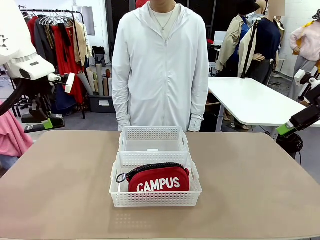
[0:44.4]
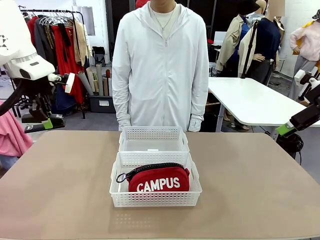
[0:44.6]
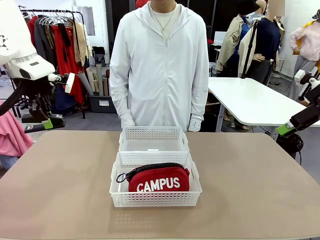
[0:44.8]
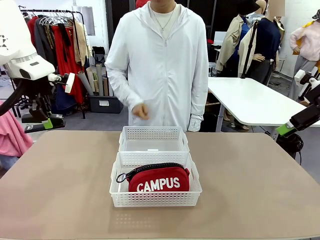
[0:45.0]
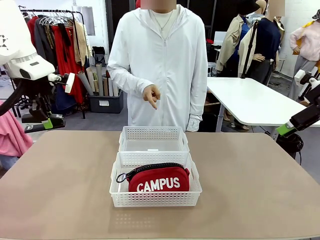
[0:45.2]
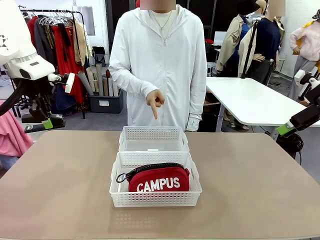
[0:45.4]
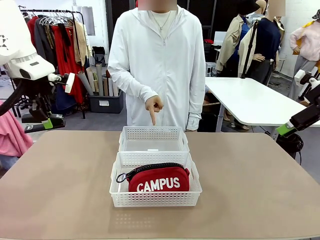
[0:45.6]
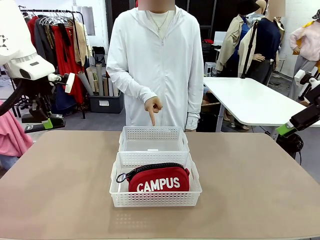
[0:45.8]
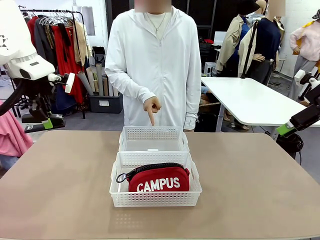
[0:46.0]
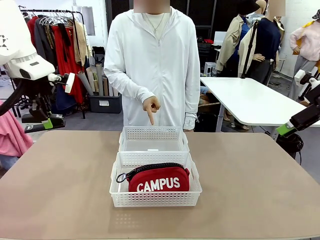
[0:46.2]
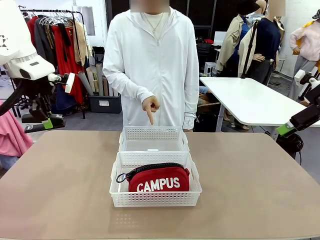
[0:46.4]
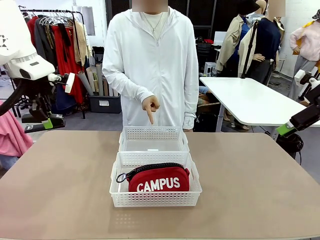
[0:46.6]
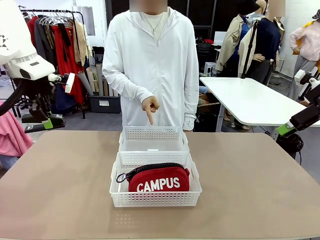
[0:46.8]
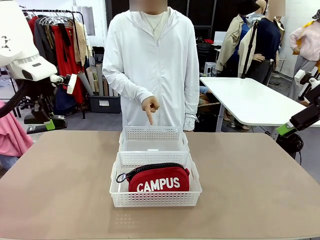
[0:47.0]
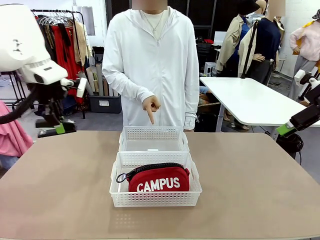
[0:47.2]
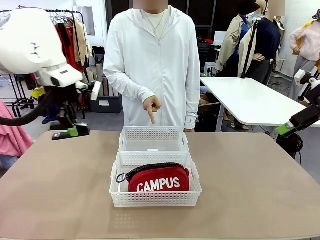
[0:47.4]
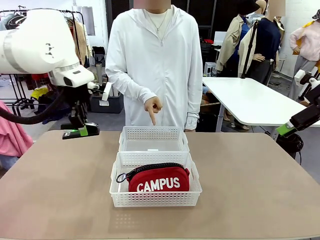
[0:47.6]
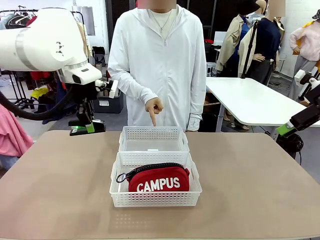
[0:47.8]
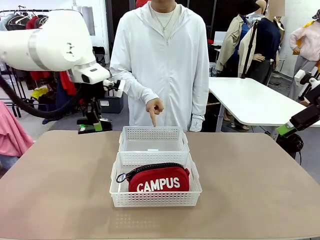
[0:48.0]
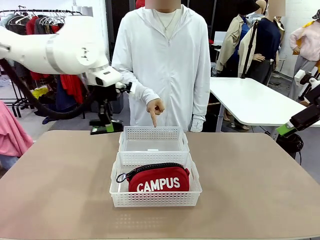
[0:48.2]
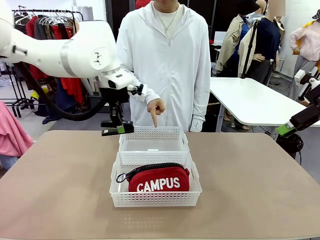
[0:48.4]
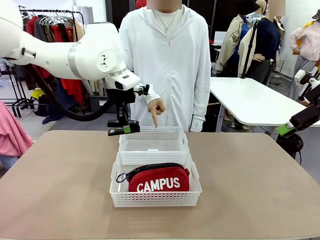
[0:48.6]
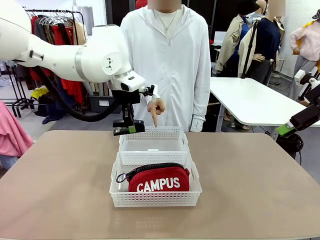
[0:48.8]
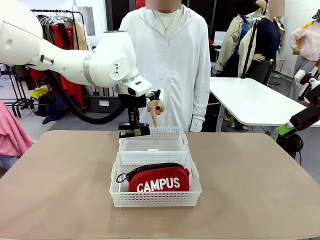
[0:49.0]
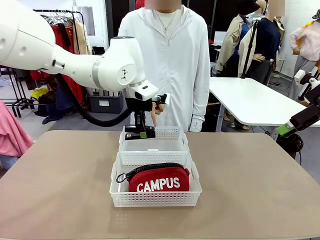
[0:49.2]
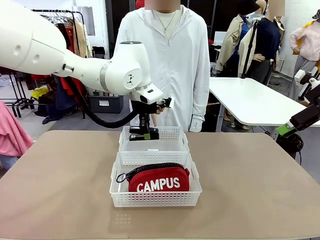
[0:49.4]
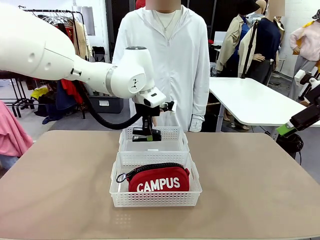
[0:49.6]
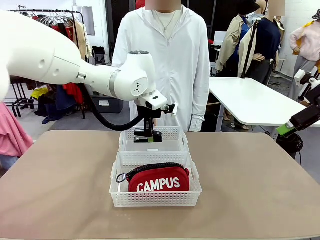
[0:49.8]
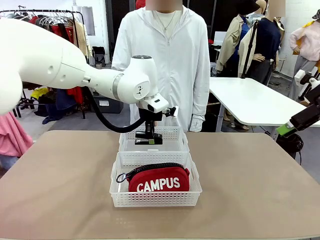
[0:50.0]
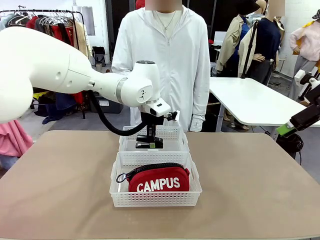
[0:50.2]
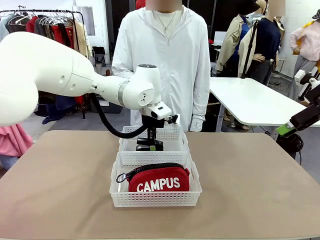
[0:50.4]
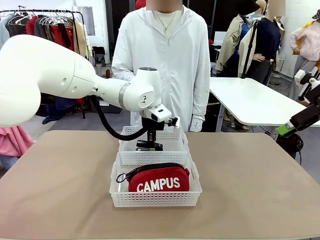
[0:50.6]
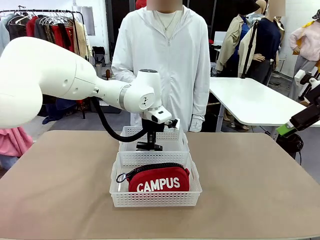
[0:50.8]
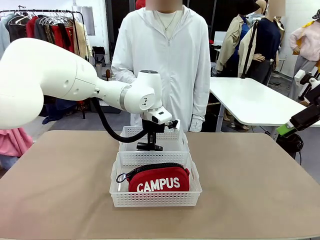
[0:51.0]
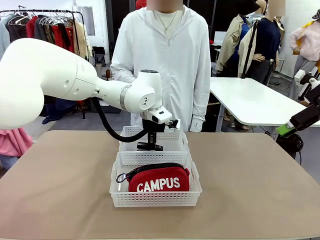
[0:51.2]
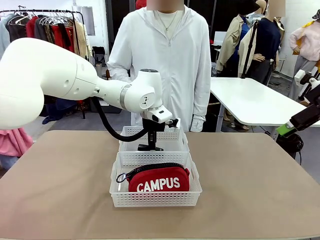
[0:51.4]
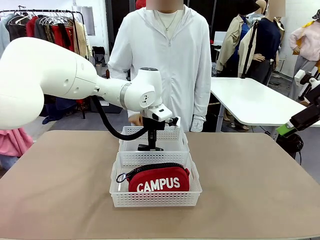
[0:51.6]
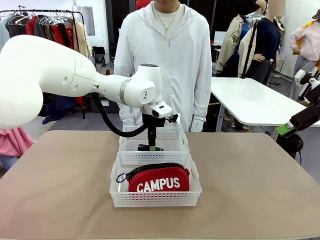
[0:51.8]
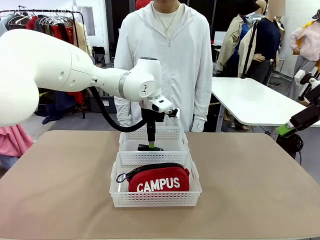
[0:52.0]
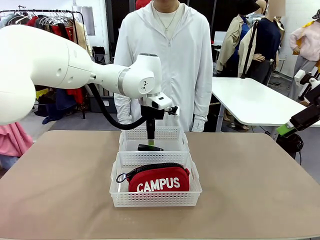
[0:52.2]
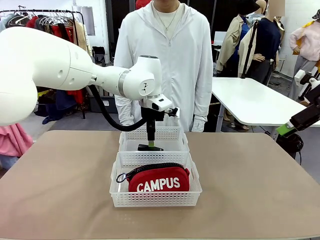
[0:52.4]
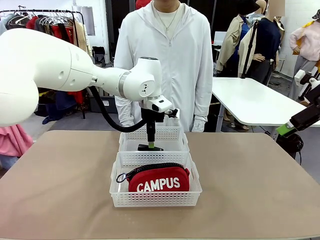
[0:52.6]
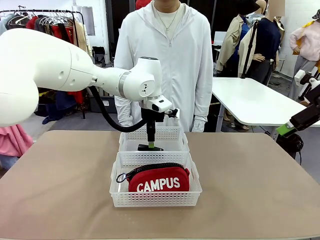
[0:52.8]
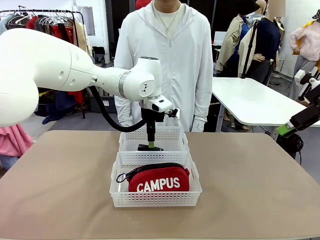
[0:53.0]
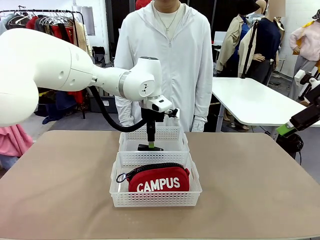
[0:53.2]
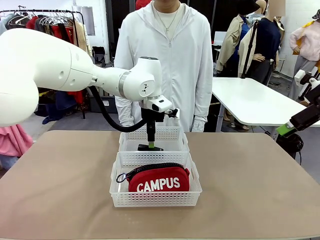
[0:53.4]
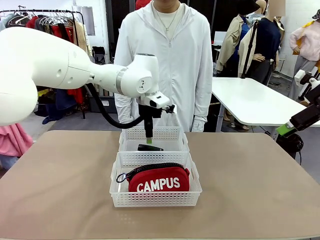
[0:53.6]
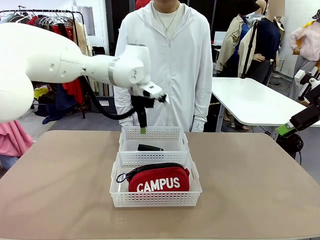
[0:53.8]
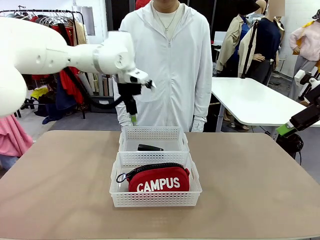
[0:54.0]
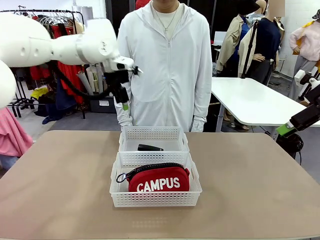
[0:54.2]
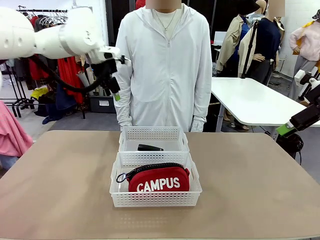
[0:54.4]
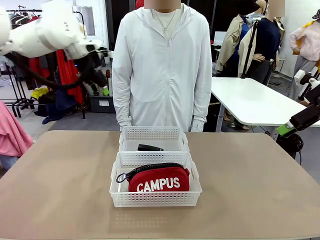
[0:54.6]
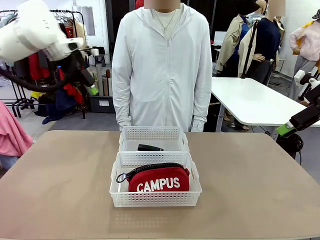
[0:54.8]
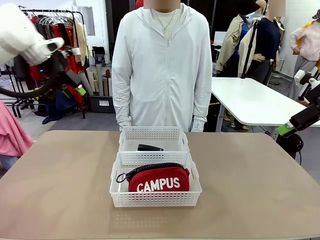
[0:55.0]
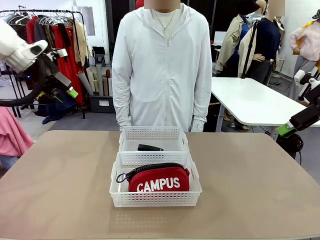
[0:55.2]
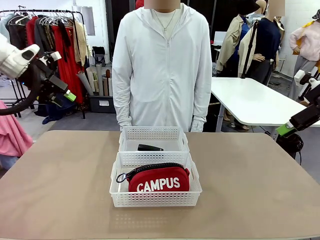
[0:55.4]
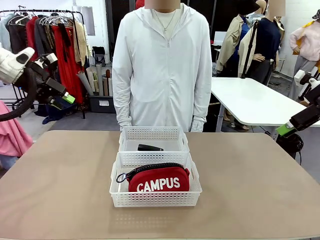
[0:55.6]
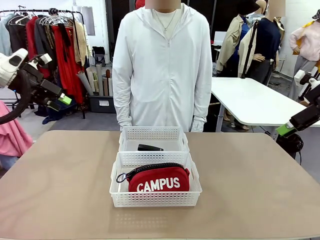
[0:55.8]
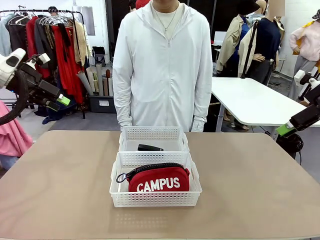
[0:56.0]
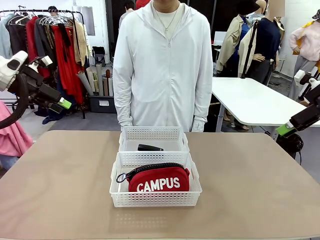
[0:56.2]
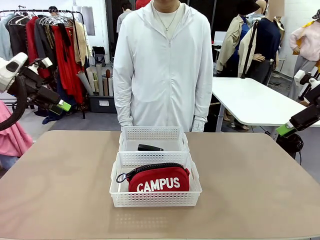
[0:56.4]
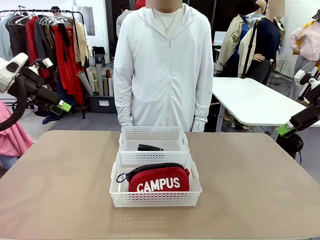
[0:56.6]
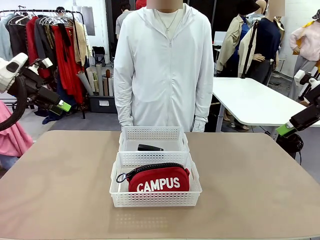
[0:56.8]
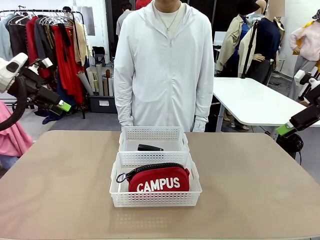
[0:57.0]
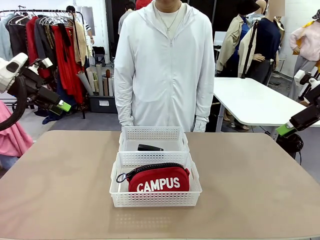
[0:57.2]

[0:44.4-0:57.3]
Task: Distribute items into two baskets.
Robot: Place the picked Stapler into the Organizing basket as instructed by the person.
Person: Points to the basket that does not contain the pencil case and instructs the robot to move the stapler there.
